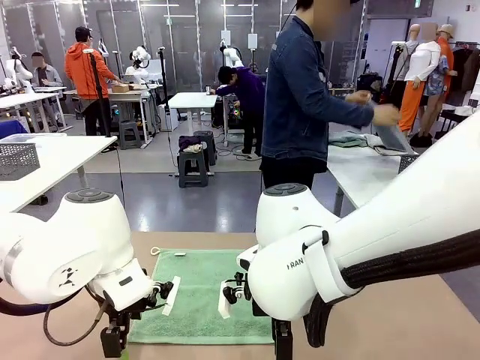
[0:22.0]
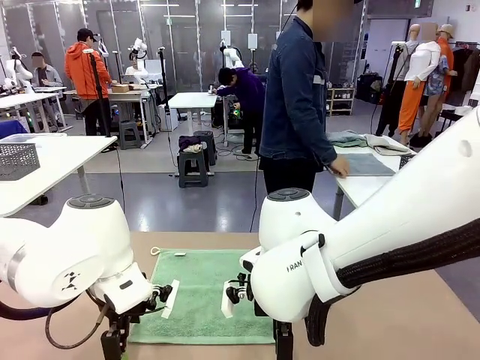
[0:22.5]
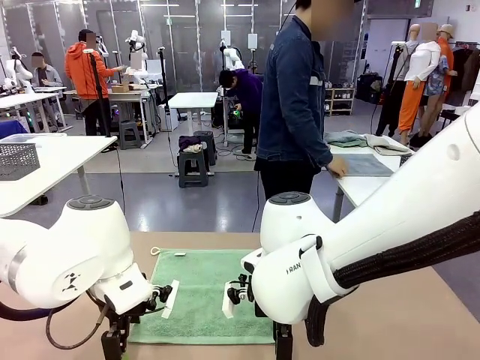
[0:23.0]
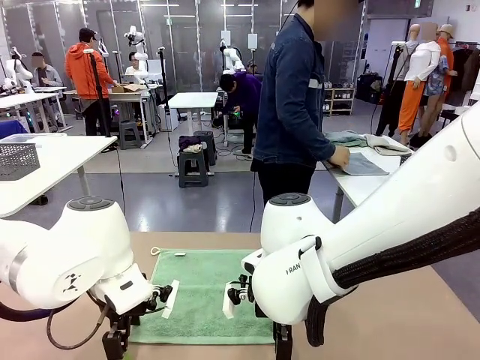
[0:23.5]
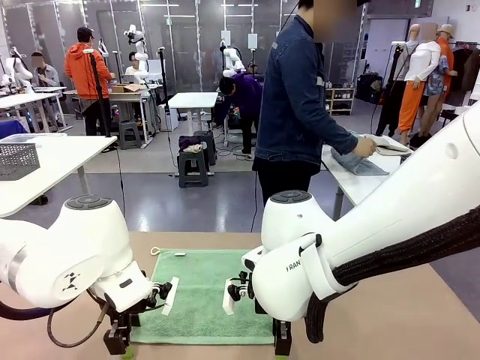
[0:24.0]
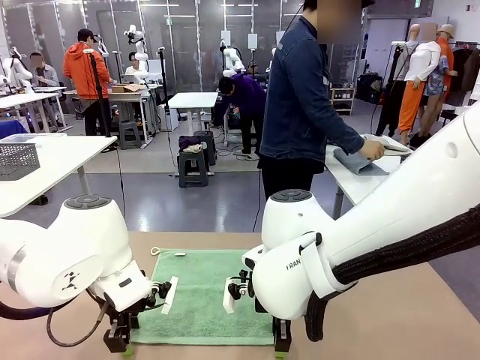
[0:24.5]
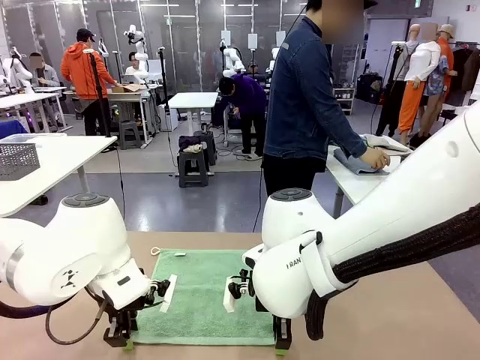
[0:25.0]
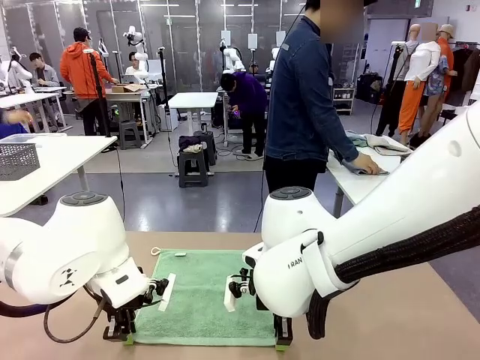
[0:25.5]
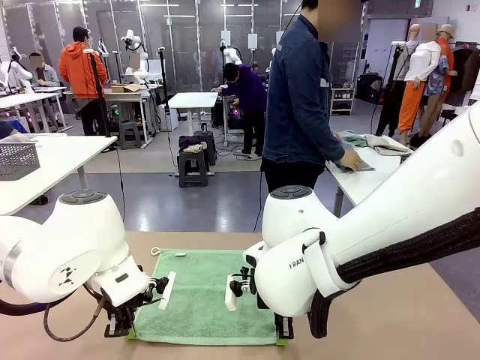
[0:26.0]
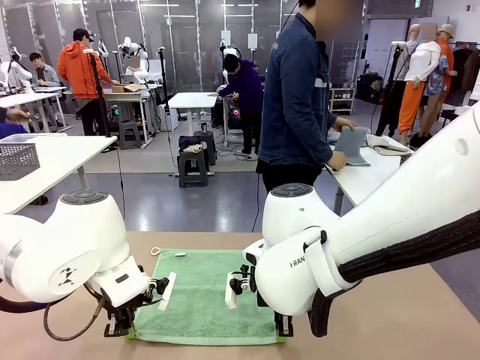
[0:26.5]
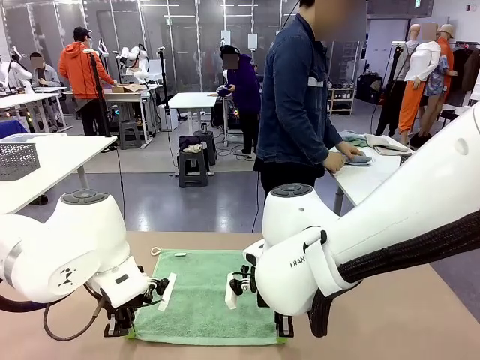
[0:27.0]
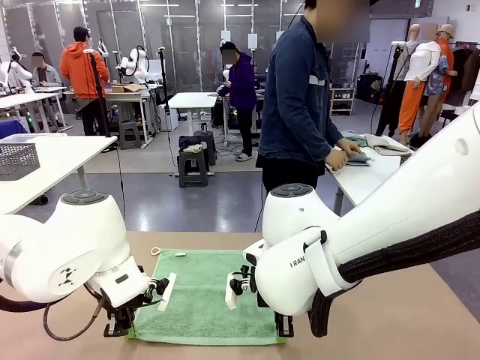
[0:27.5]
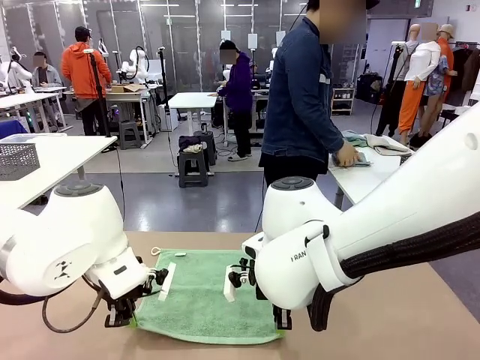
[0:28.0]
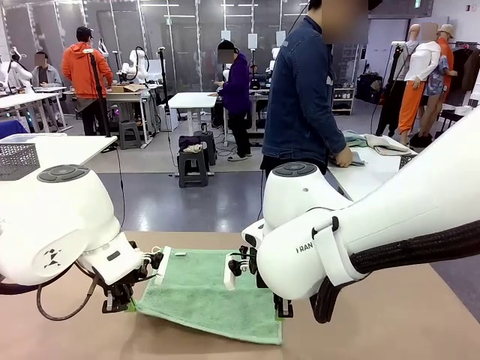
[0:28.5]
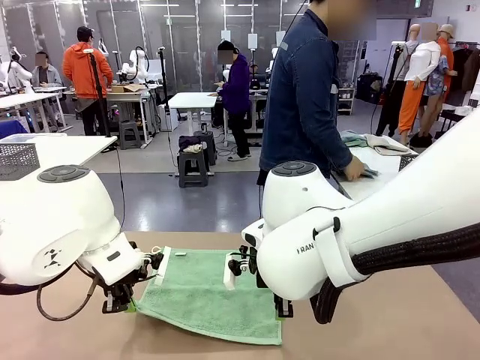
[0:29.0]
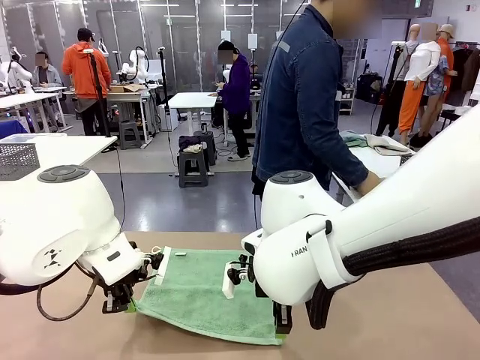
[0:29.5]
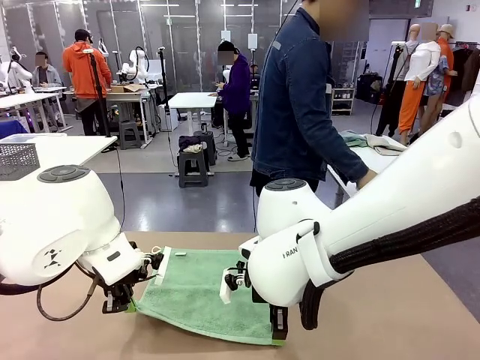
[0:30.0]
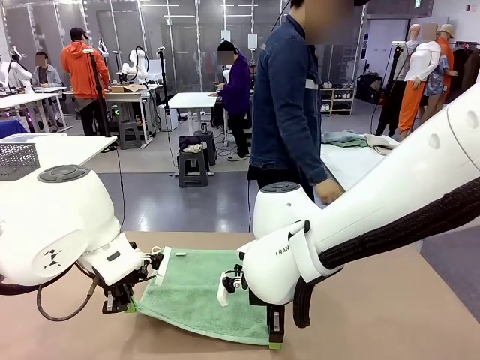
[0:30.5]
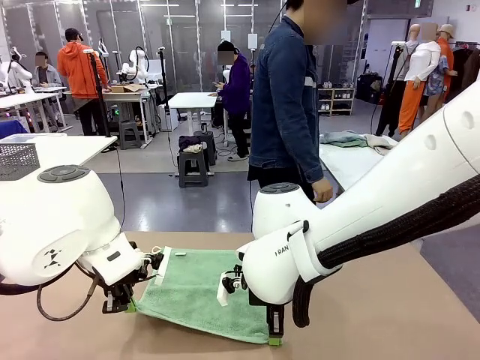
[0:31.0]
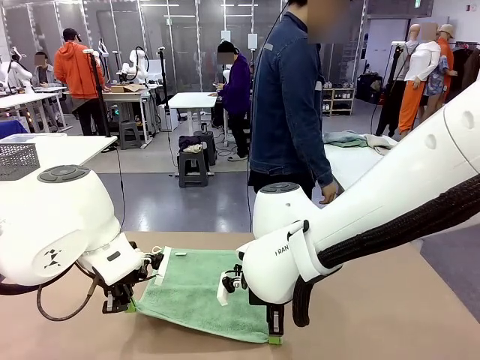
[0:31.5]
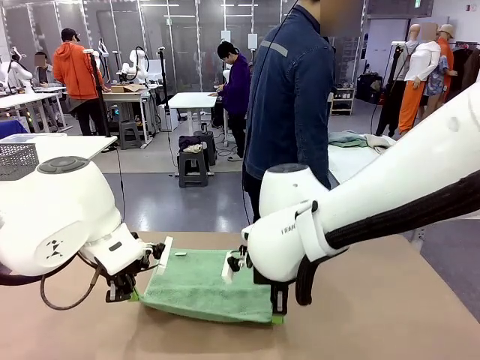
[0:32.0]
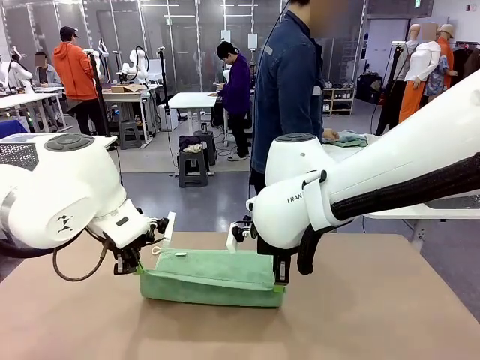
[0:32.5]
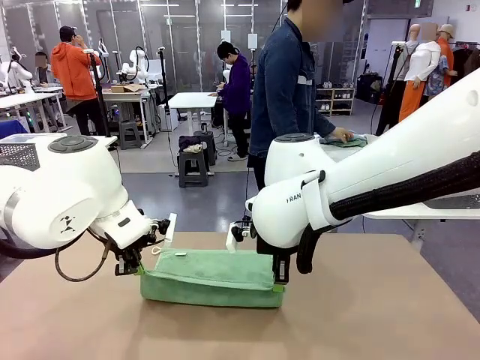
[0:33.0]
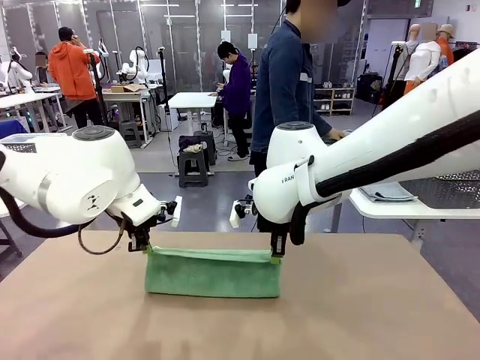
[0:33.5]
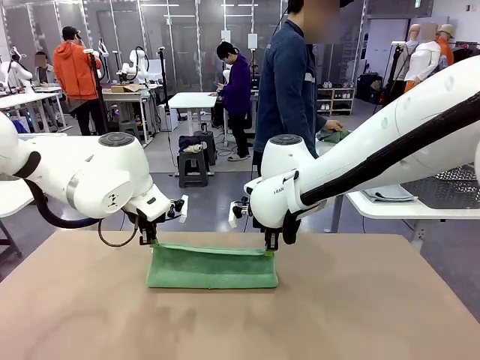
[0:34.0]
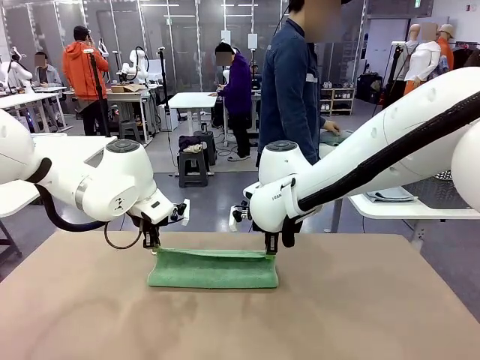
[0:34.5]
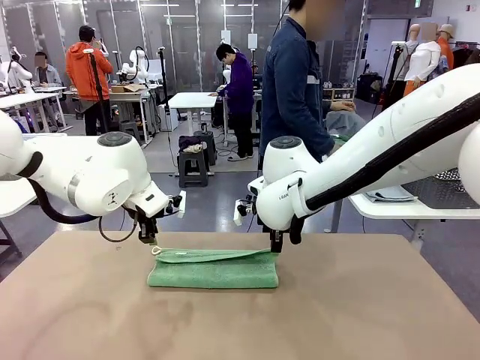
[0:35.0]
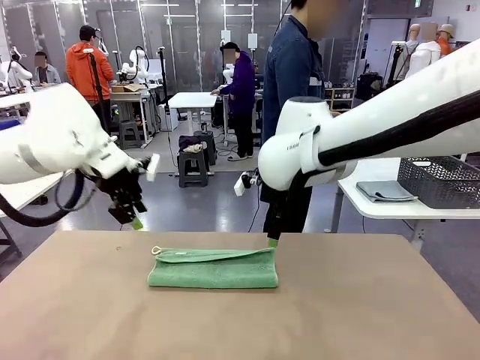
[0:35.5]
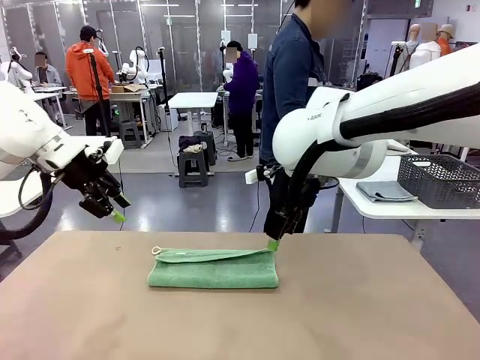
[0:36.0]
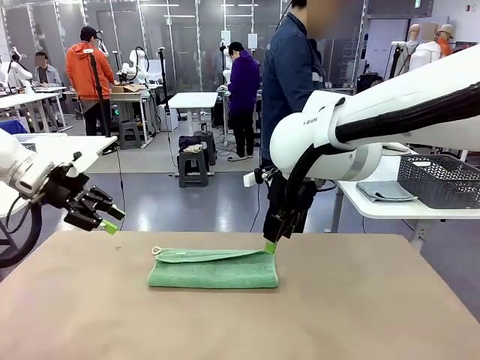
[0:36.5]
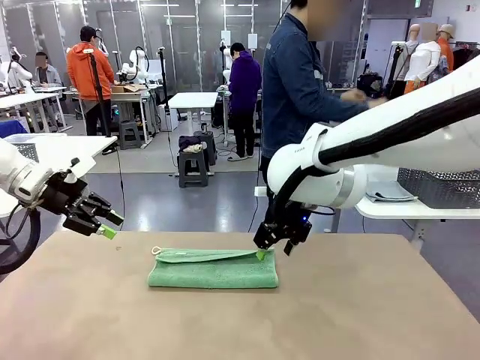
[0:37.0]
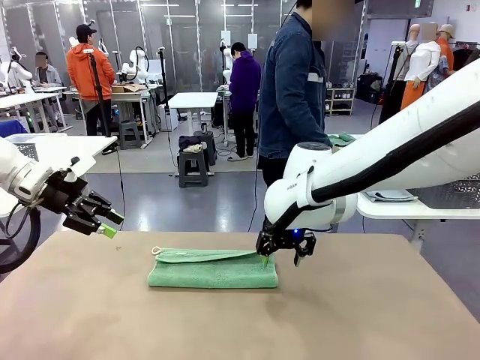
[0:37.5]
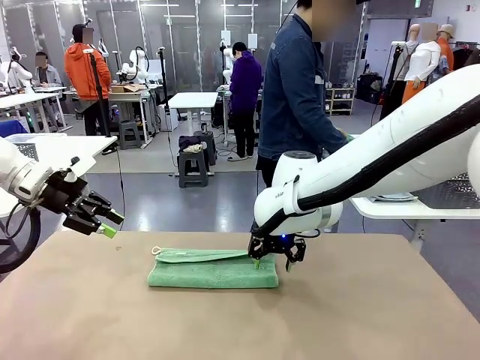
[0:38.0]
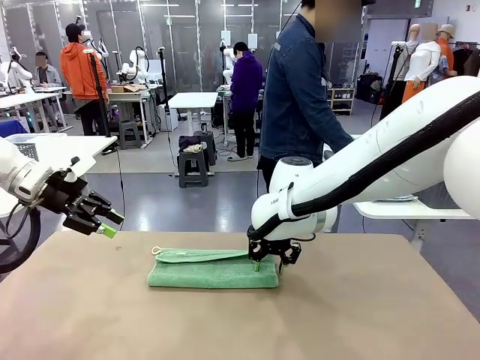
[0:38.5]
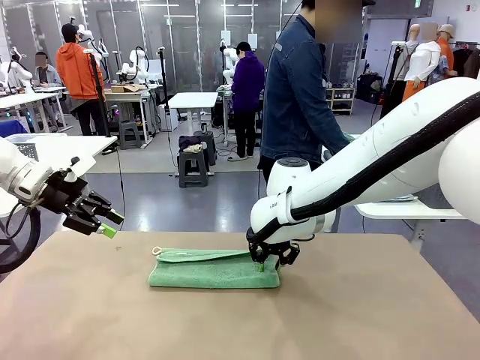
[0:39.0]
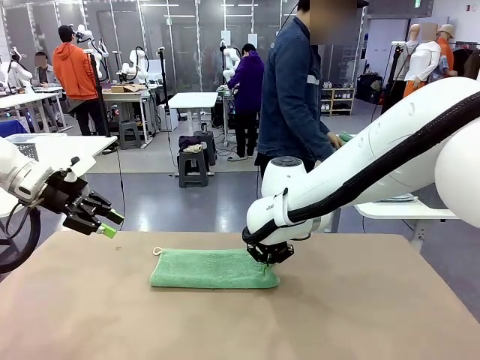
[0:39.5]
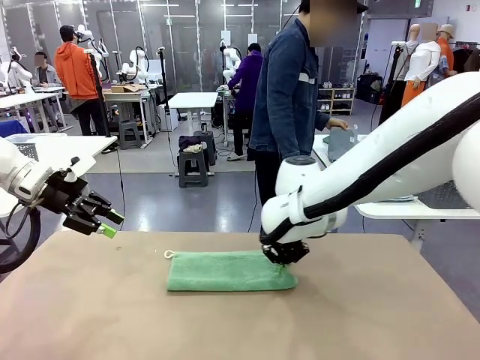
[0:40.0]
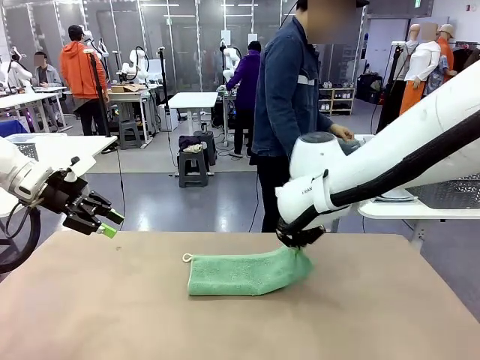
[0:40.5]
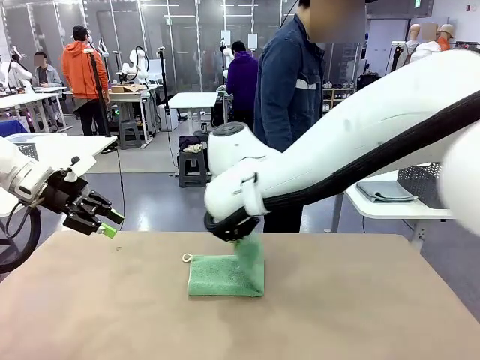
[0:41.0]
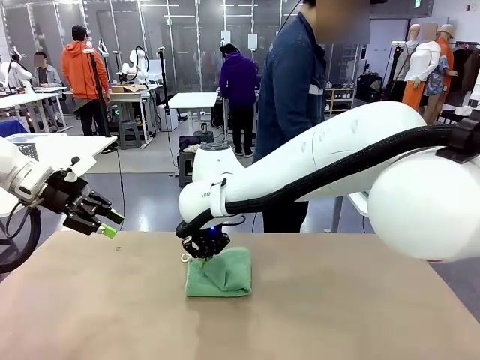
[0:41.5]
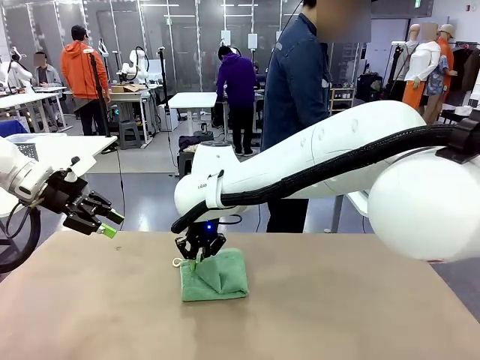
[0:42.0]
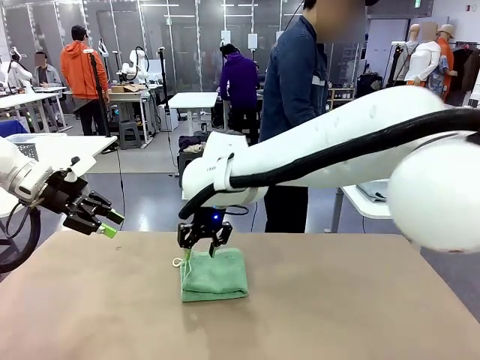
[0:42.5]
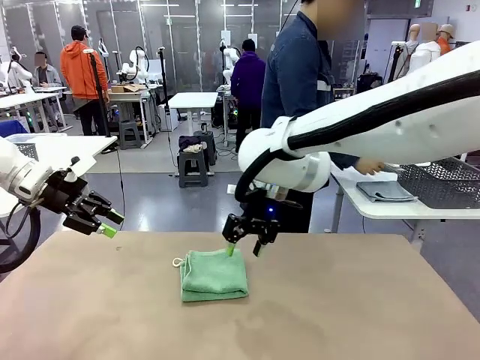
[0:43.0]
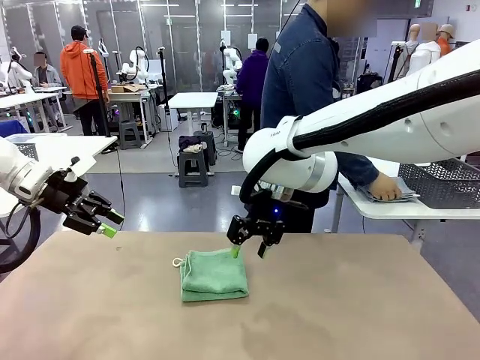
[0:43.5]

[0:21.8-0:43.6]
Task: Fold the towels and place them in the basket.
Robot: When a person lays out a Towel with hook on the table, fold it in half twice.
Person: Pick up one towel from the left side of the human table, fold it in half twice, and place it on the right side of the table. Pick up one towel from the left side of the human table, fold it in half twice, and stack it on the right side of the table.

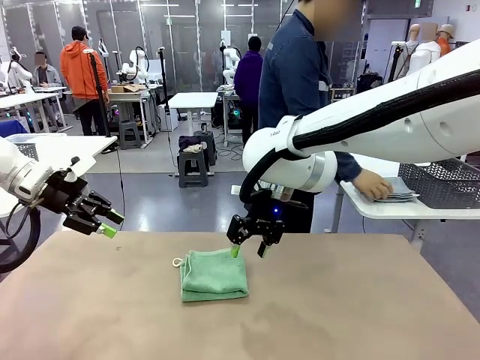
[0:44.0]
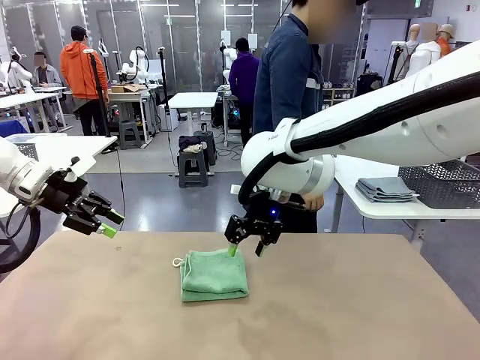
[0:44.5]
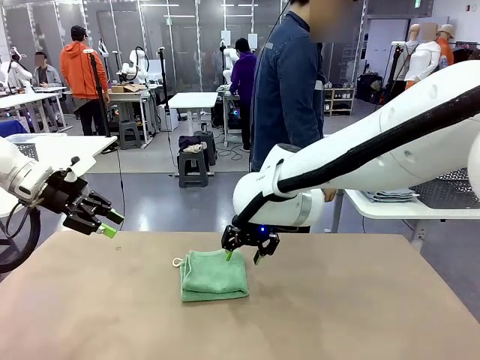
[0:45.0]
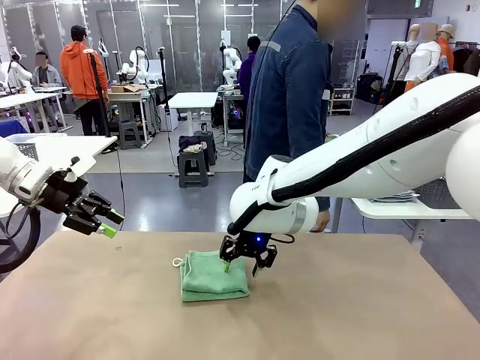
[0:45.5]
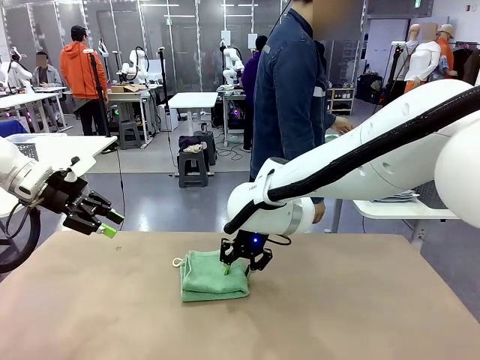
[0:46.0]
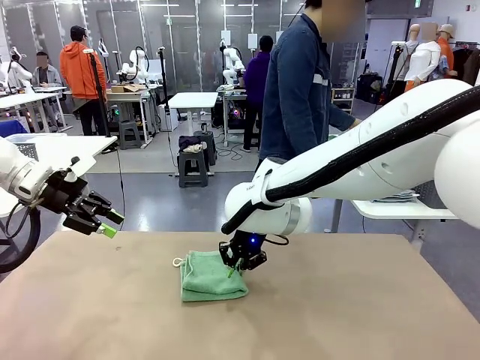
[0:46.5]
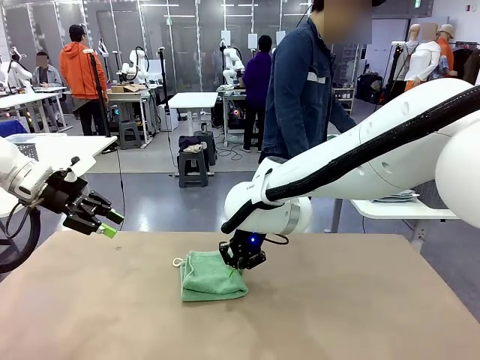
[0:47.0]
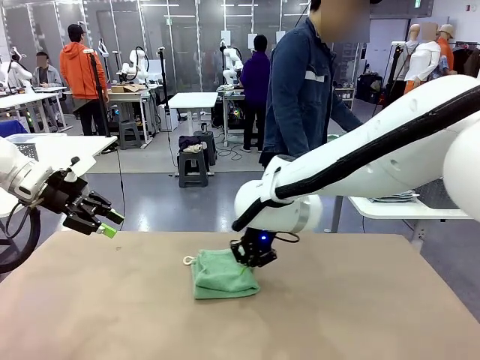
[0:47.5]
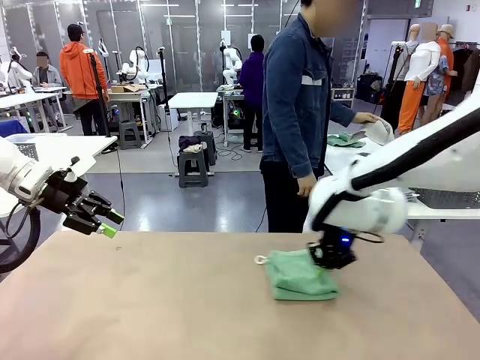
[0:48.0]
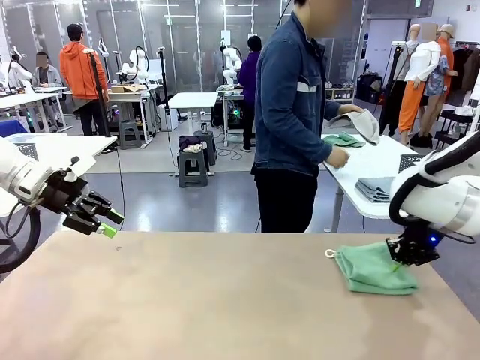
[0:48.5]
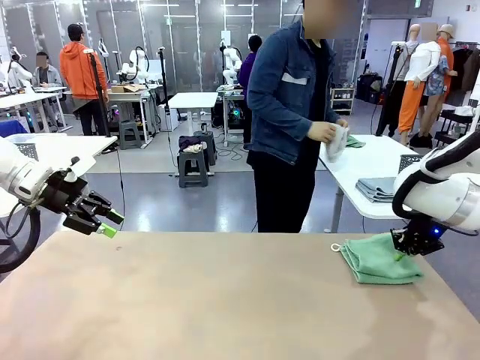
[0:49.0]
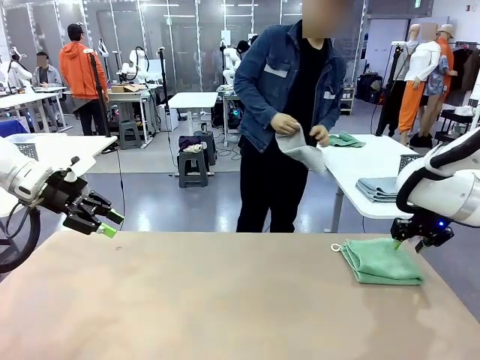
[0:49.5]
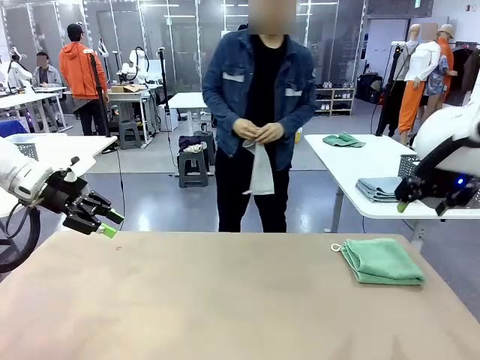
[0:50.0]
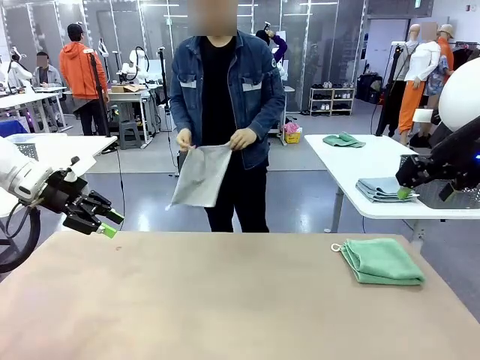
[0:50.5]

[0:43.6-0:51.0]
Robot: Place the folded Towel with hook on the right side of the table.
Person: Pick up one towel from the left side of the human table and spread it out at the center of the robot table.
